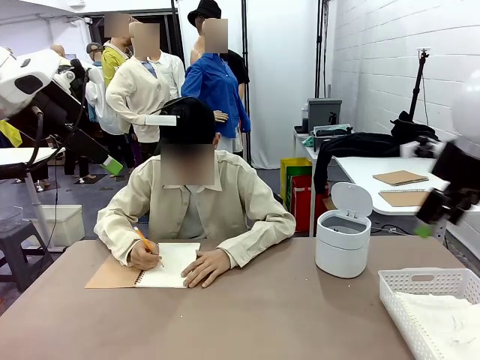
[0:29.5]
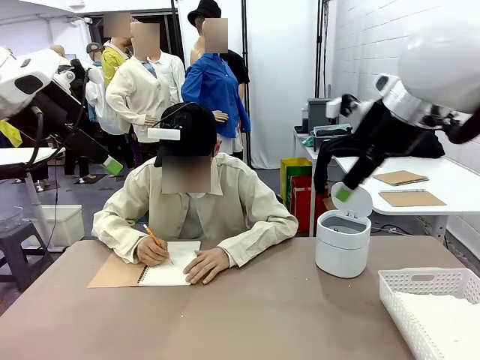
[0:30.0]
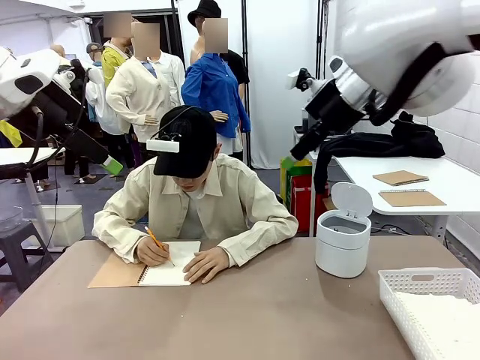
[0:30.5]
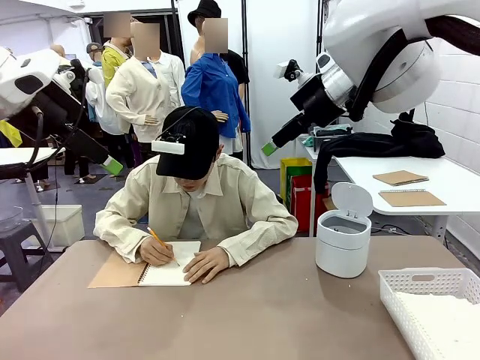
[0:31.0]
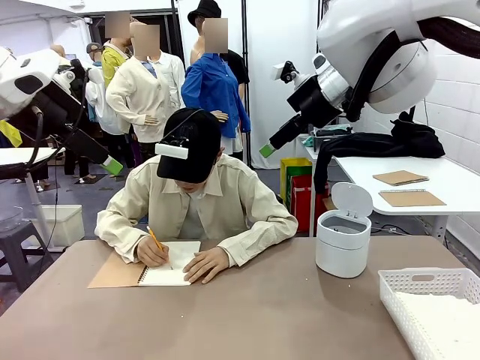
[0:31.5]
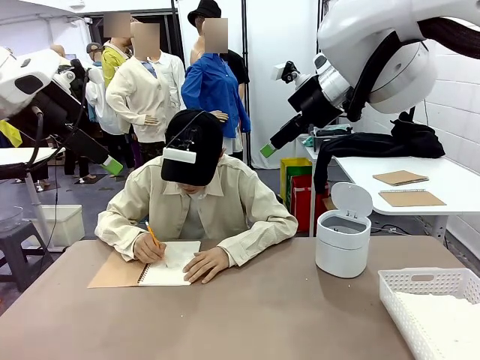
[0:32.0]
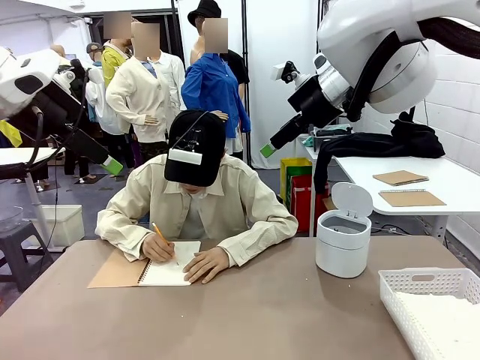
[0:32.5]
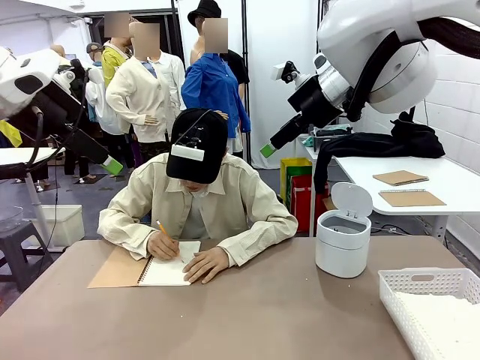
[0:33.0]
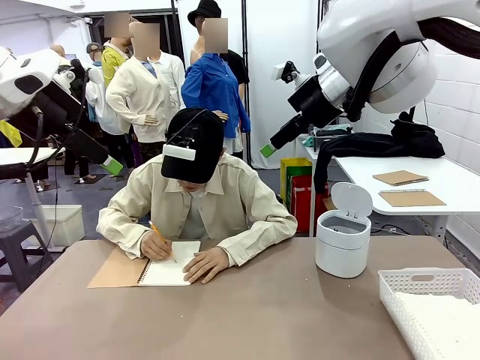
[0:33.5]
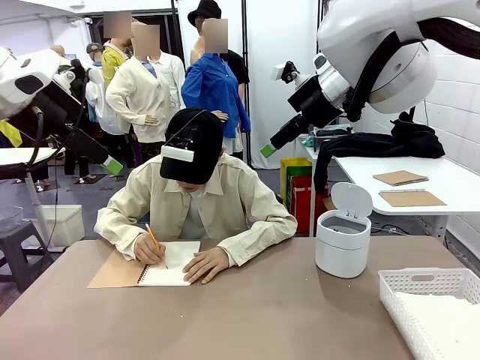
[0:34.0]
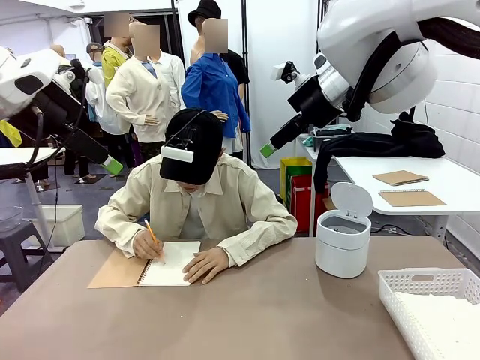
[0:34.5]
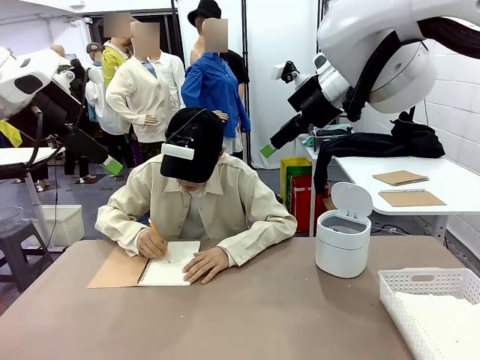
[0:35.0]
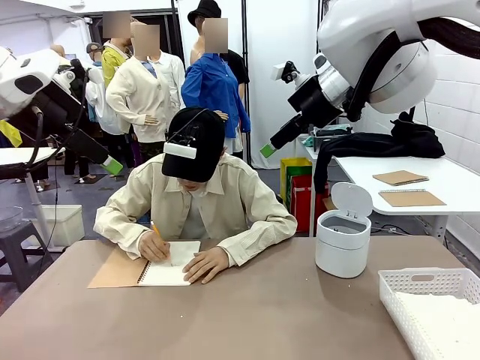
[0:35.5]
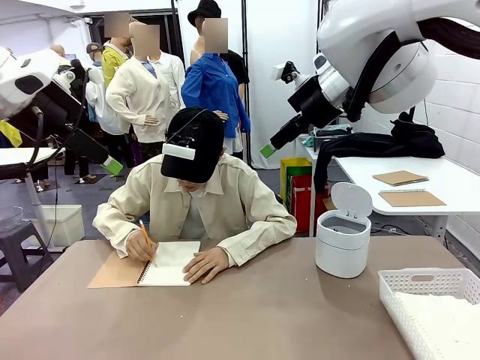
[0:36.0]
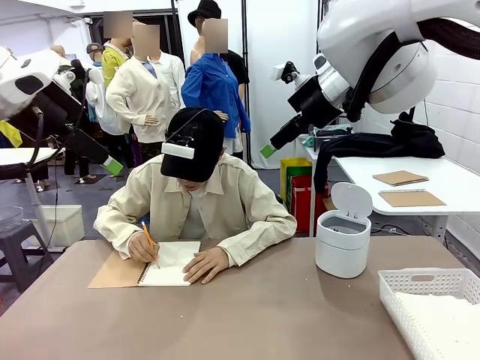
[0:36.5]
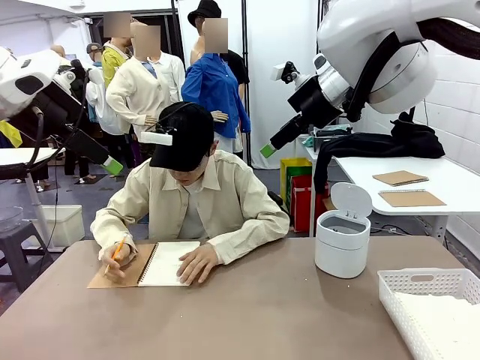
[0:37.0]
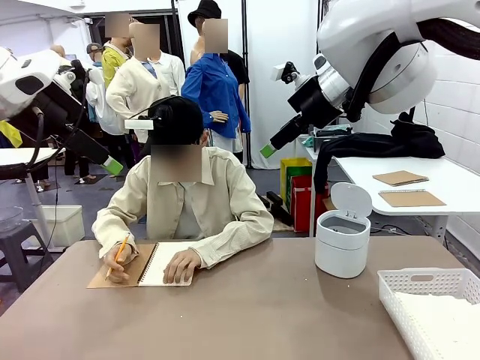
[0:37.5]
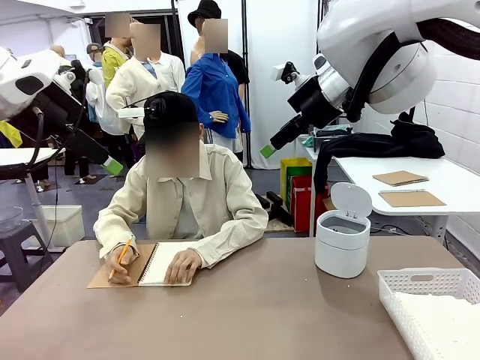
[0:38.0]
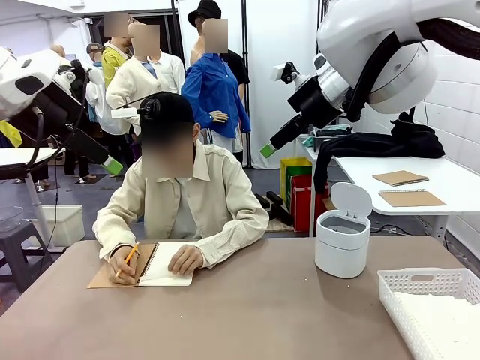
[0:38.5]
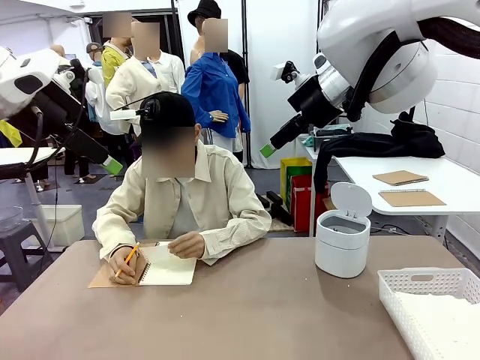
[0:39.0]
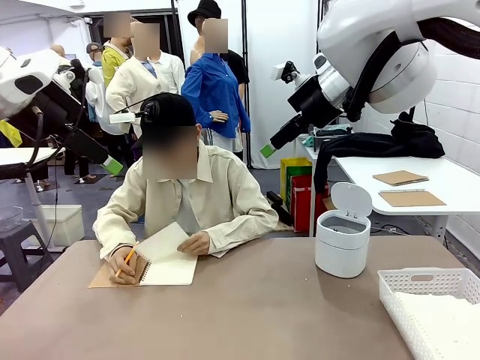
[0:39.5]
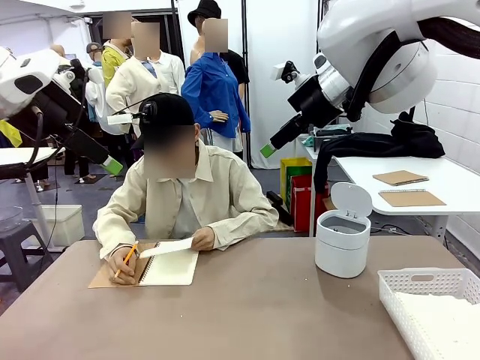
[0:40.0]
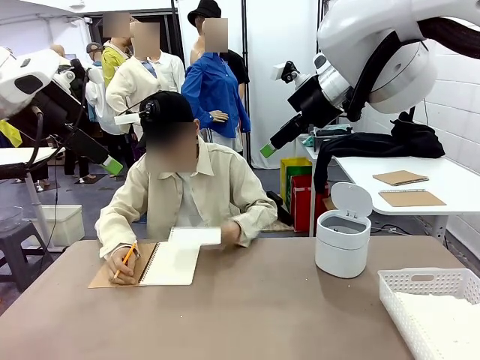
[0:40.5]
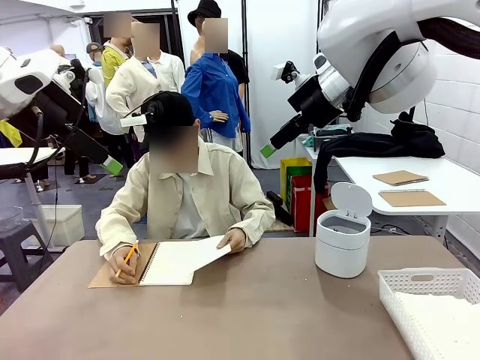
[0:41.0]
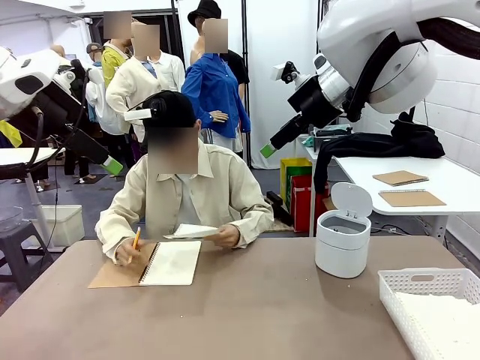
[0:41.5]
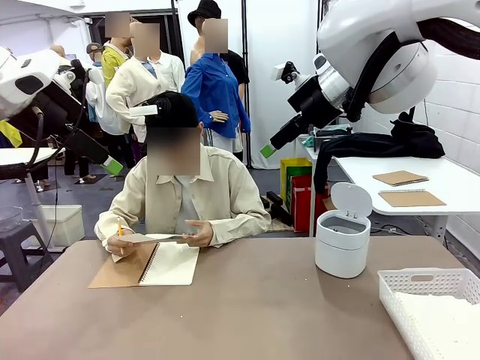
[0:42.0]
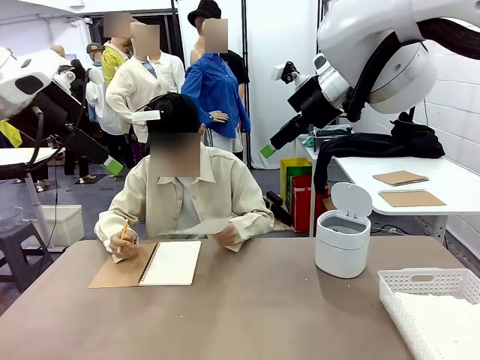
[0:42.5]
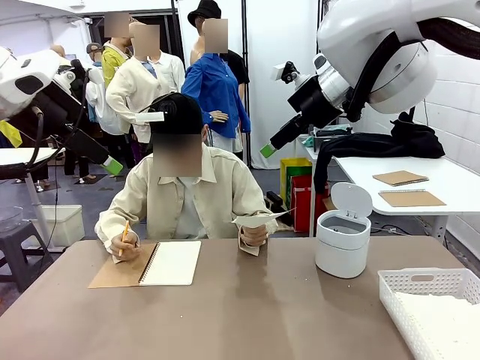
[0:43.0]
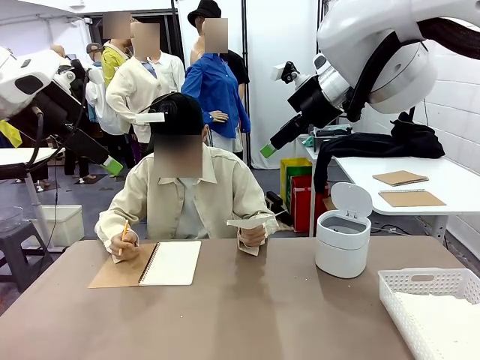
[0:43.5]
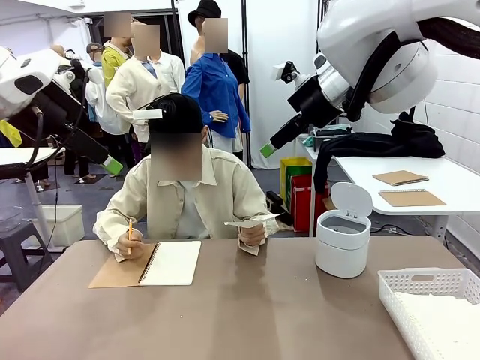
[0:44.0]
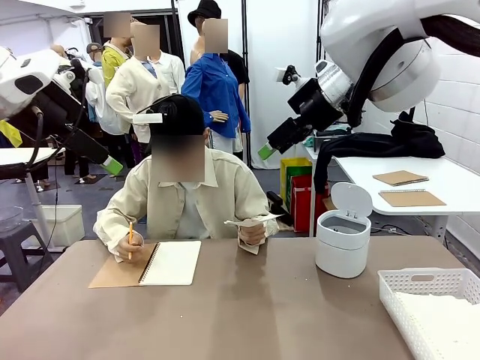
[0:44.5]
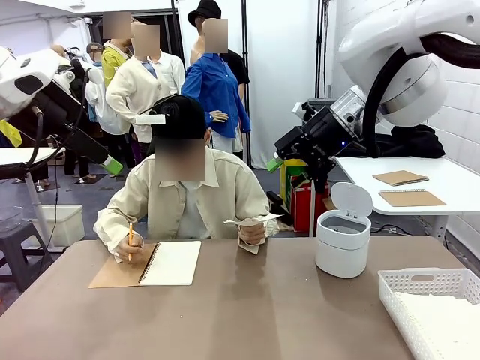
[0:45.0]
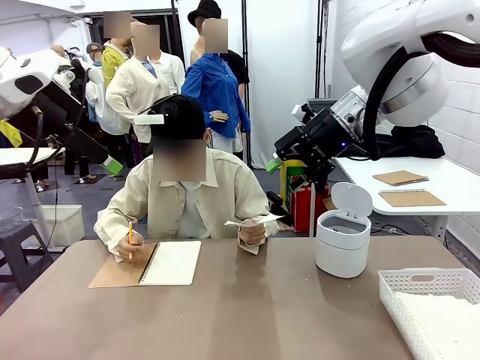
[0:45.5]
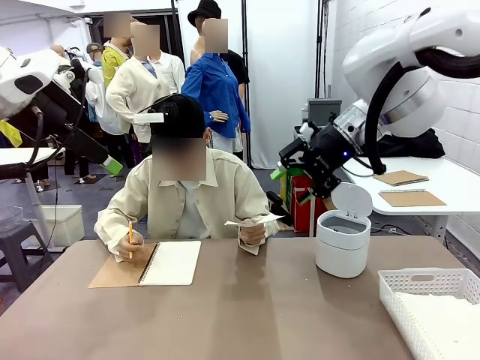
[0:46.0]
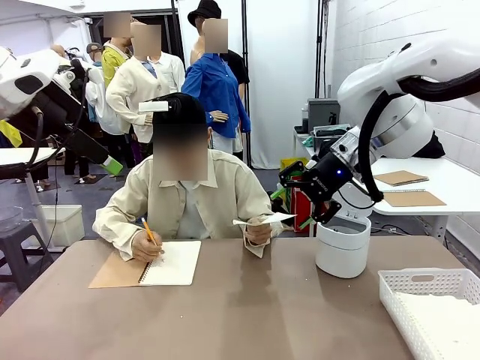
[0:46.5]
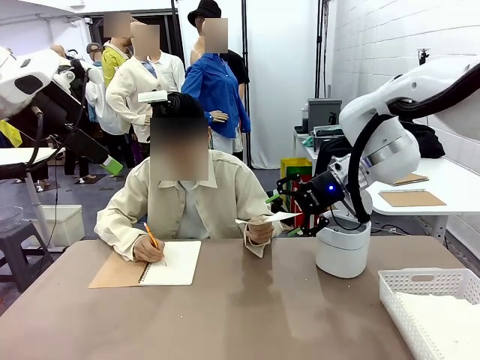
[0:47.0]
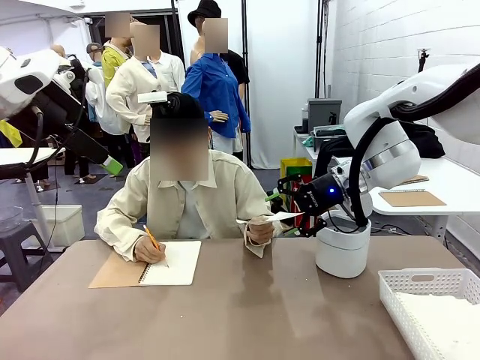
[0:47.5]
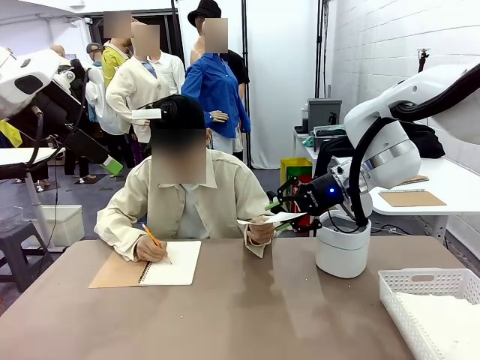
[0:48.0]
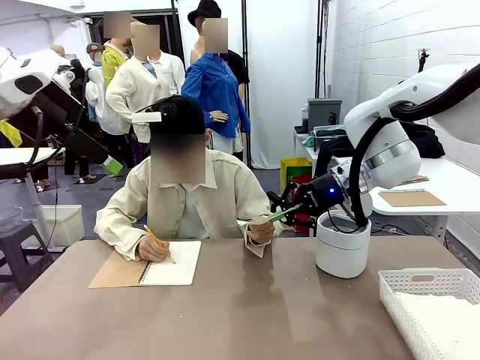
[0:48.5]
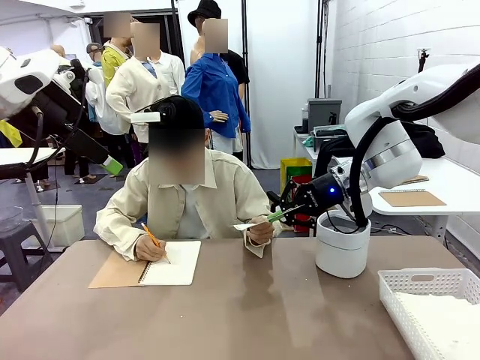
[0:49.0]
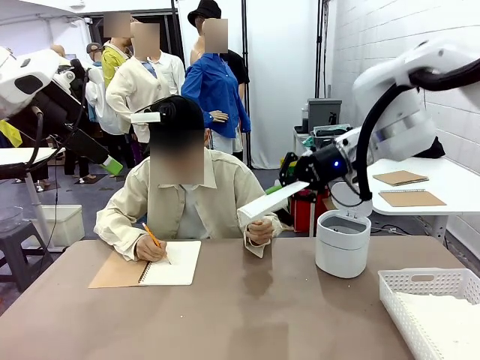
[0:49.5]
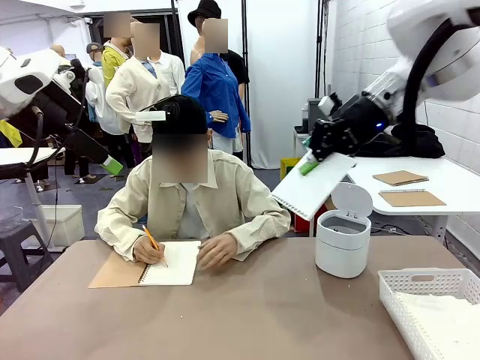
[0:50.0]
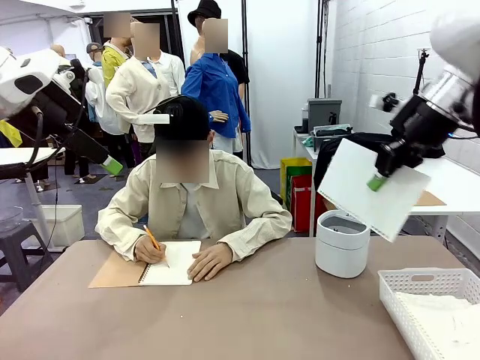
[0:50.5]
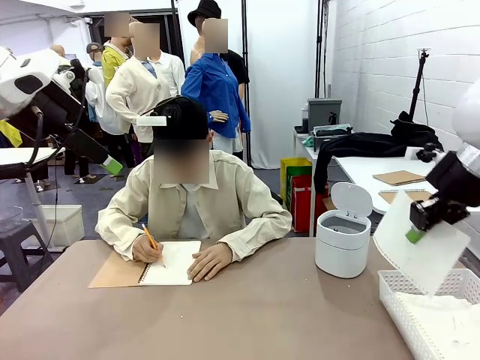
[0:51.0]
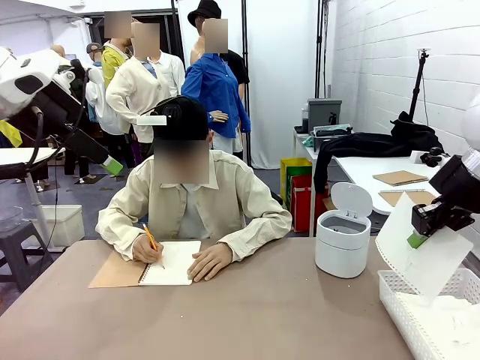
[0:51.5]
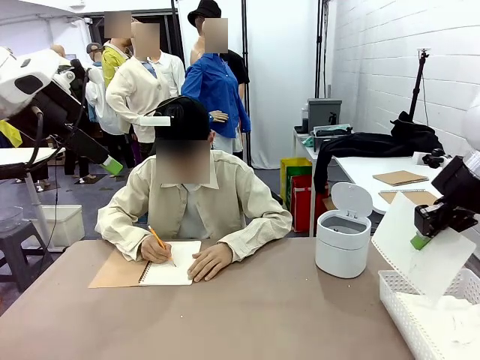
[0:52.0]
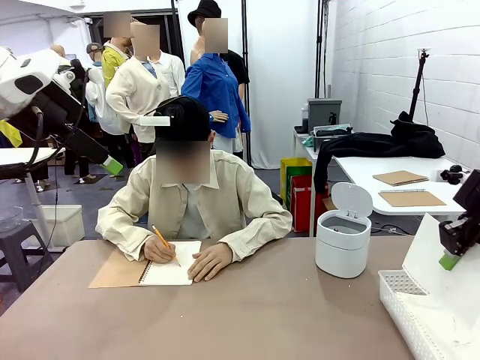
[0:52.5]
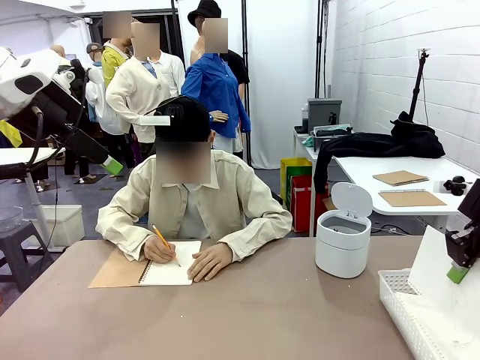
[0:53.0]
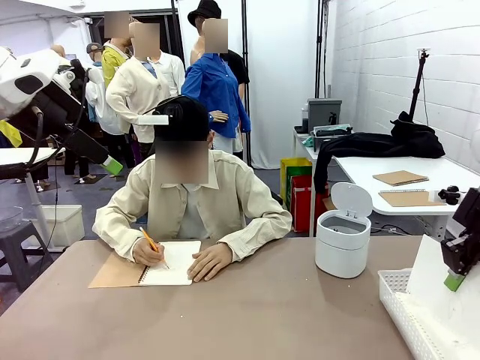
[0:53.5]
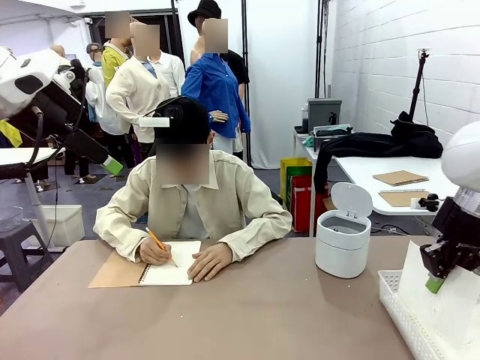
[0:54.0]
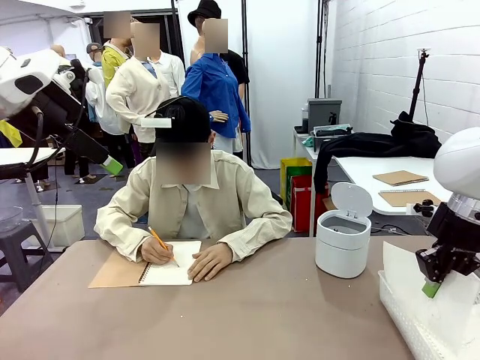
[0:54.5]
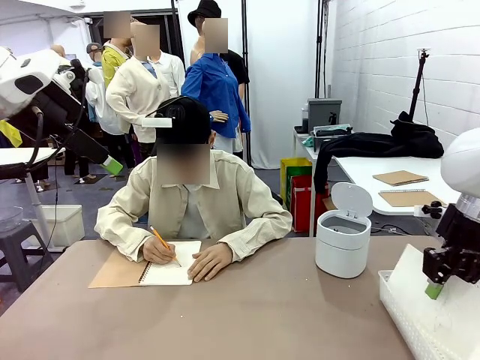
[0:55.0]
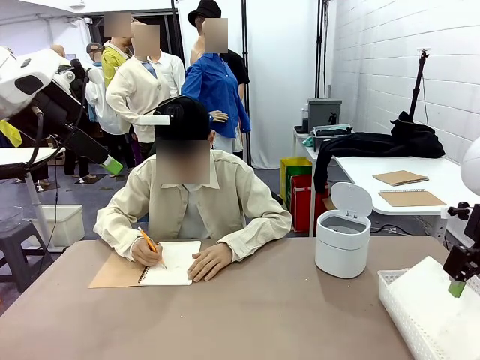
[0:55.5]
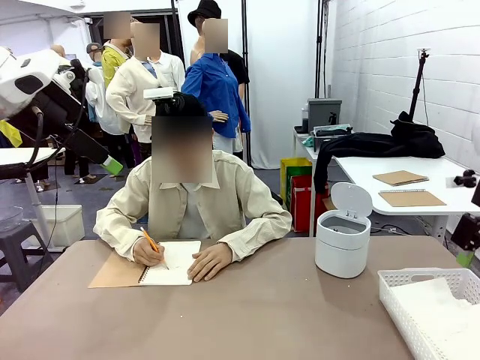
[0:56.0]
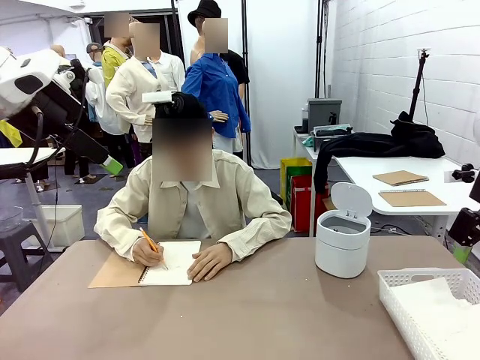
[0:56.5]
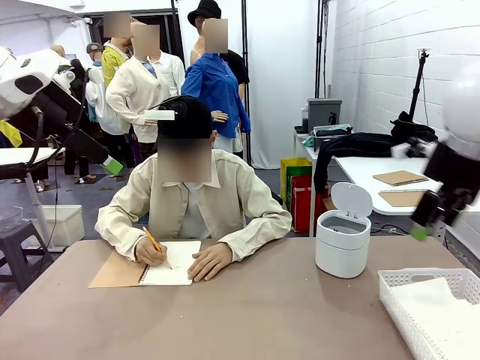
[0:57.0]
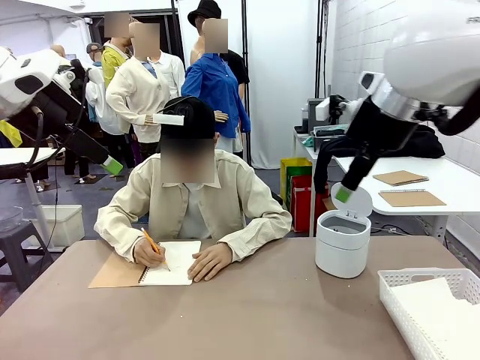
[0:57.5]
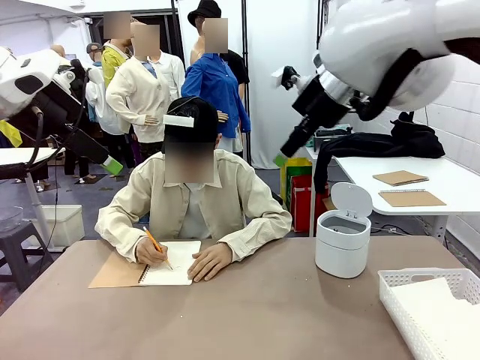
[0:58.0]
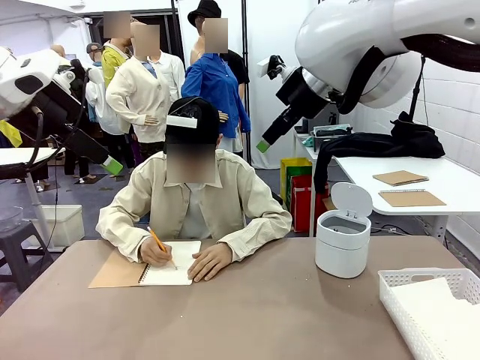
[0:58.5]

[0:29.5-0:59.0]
Task: Sort the paper based on its condition.
Robot: If a person hands you a paper, place it in the Organizing basket , and if it's crumpled, put it in the Trash can.
Person: Hand the torn page to the robot or crumple it and throw it to the center of the table. Tear out a page from the spiral notebook.
